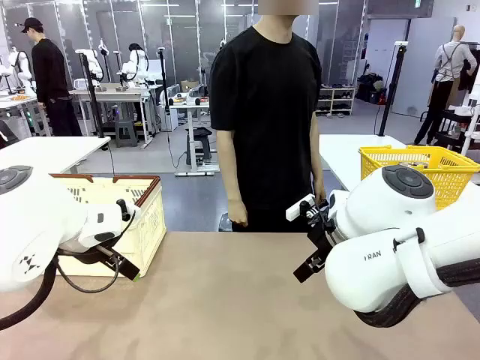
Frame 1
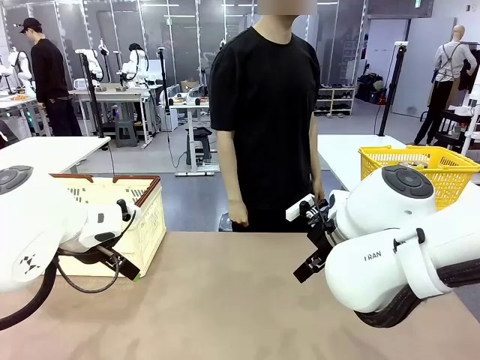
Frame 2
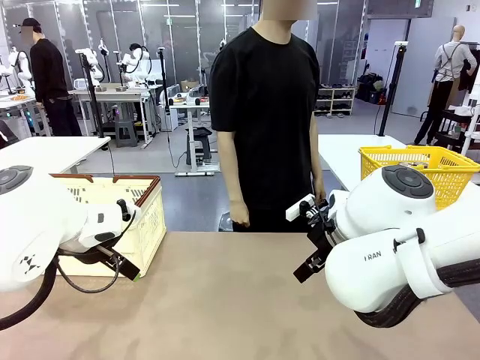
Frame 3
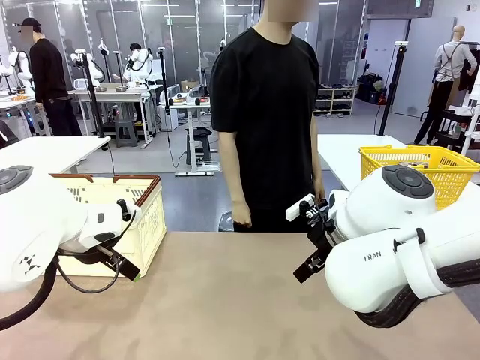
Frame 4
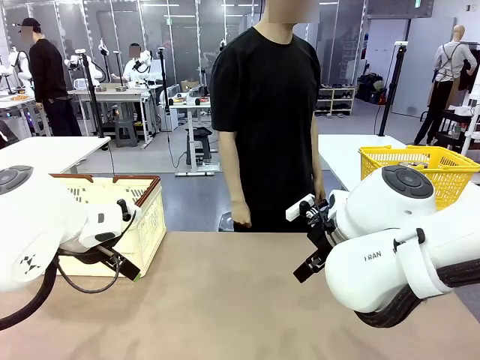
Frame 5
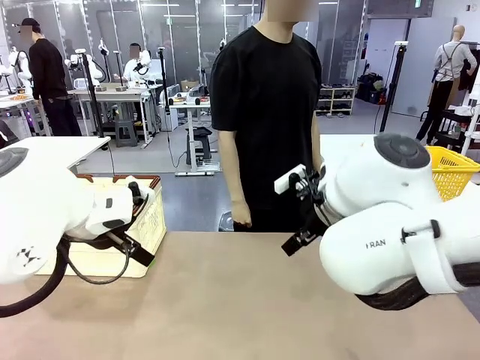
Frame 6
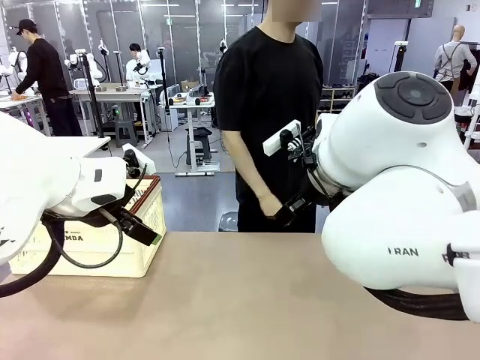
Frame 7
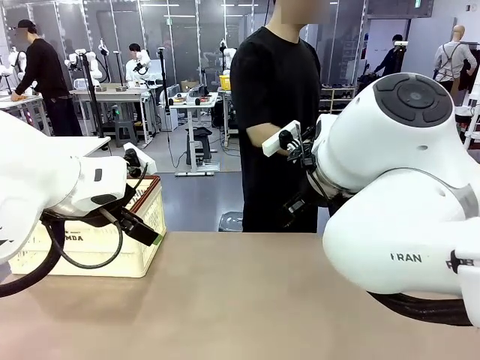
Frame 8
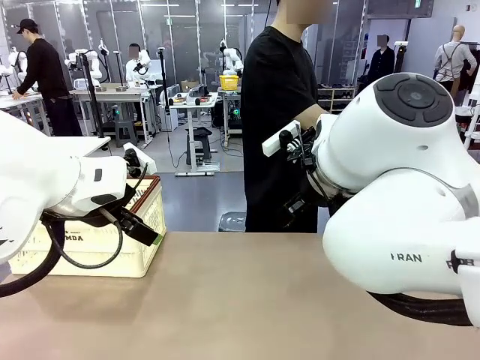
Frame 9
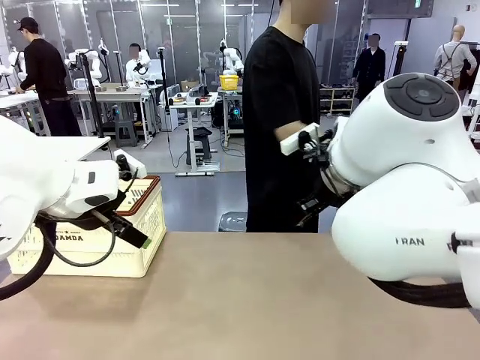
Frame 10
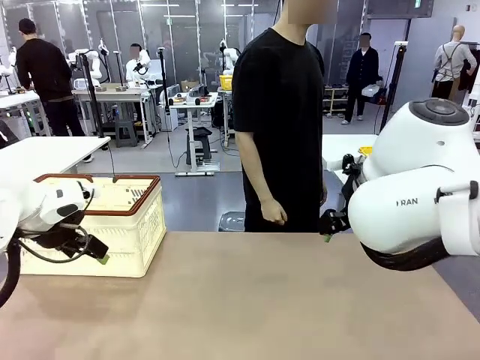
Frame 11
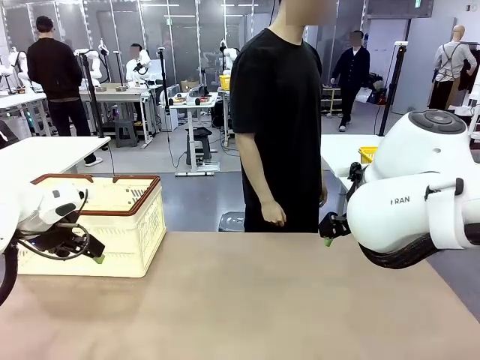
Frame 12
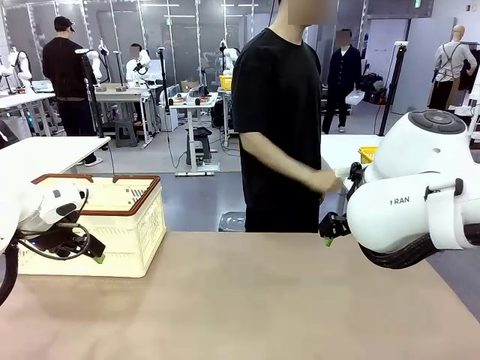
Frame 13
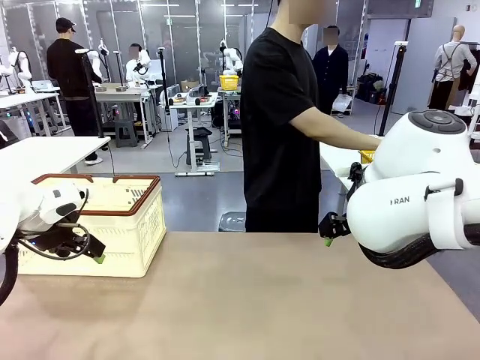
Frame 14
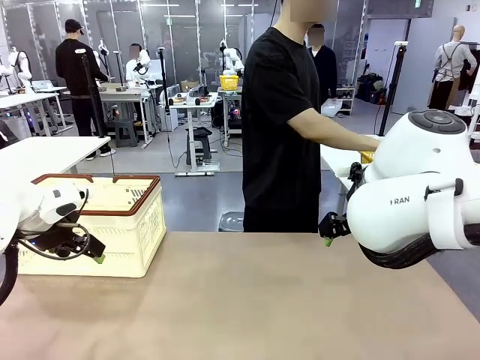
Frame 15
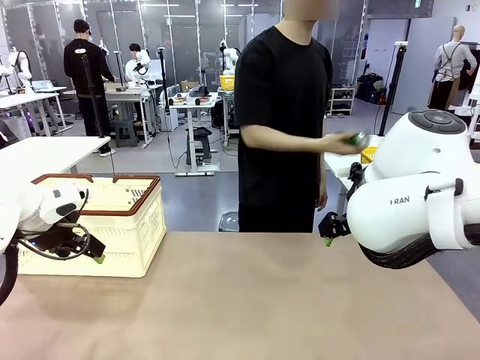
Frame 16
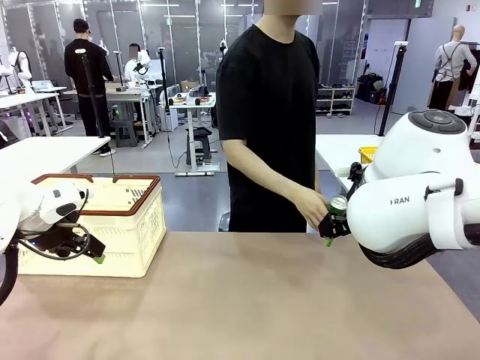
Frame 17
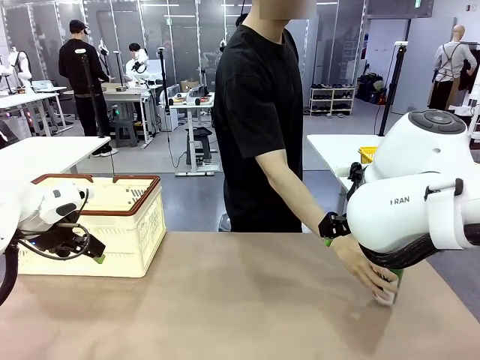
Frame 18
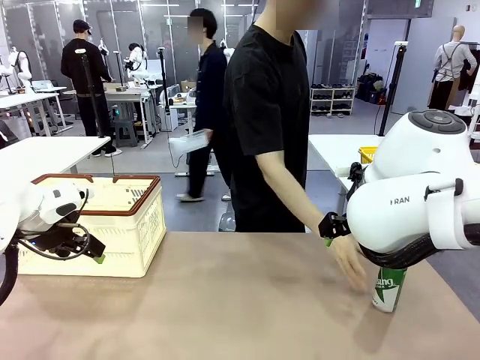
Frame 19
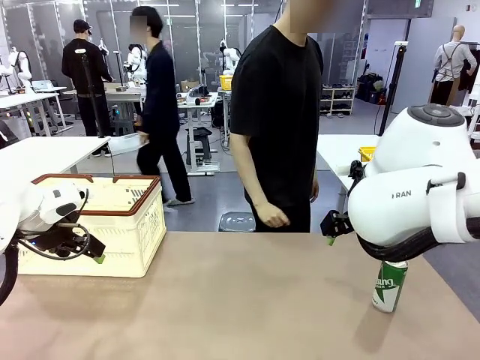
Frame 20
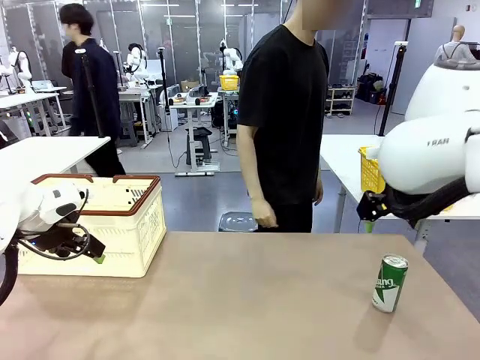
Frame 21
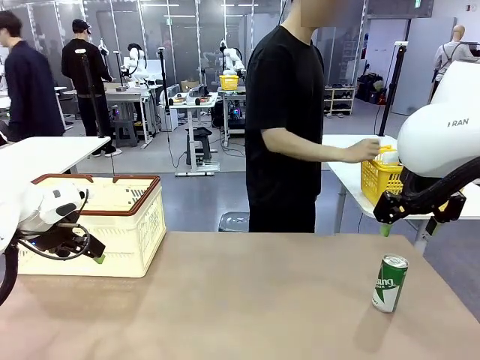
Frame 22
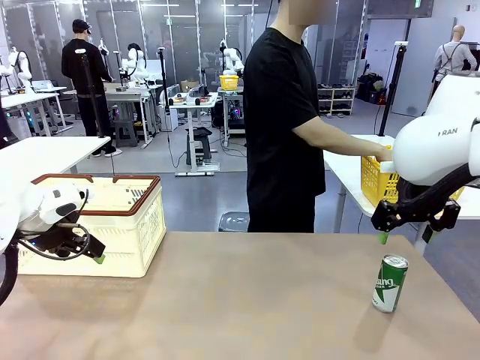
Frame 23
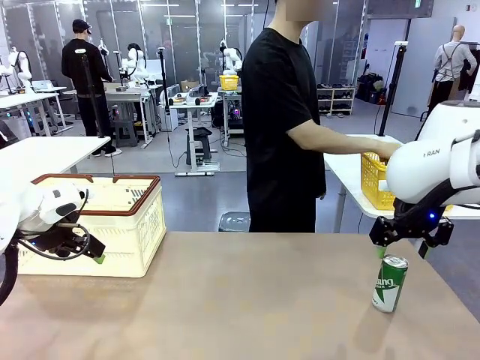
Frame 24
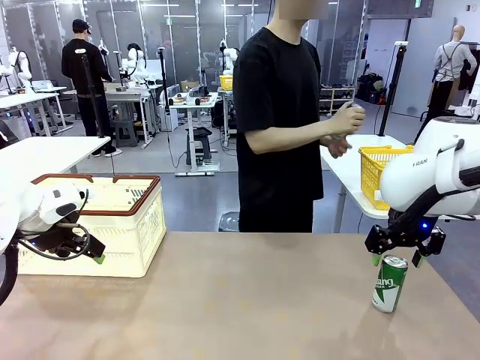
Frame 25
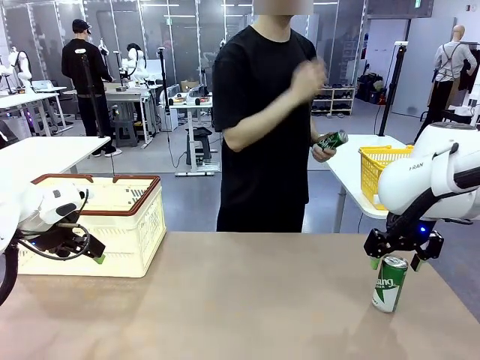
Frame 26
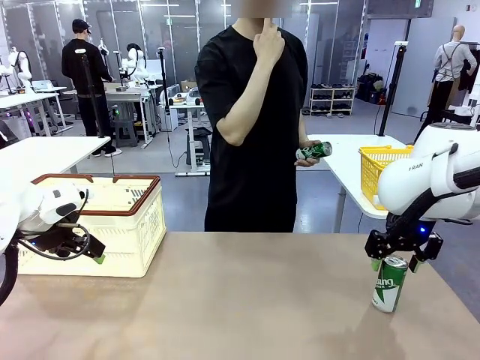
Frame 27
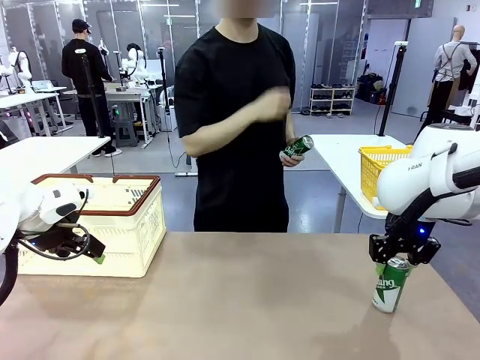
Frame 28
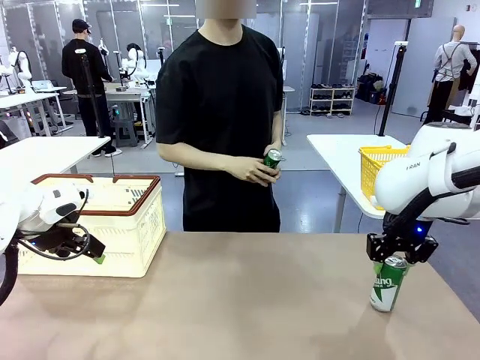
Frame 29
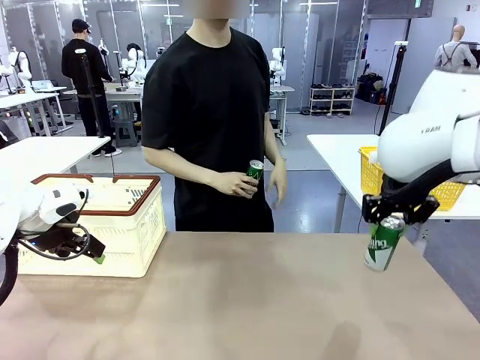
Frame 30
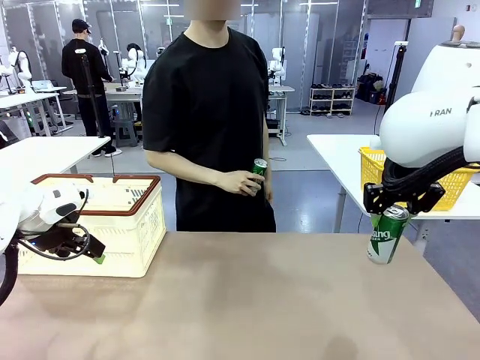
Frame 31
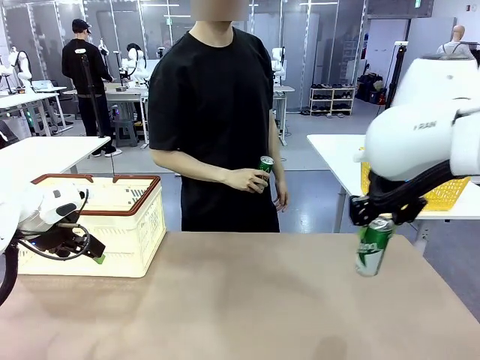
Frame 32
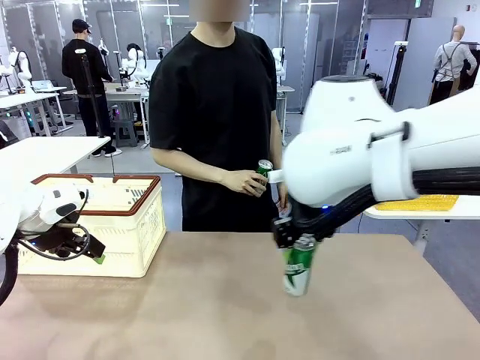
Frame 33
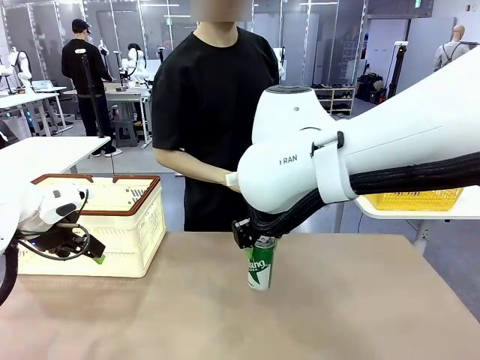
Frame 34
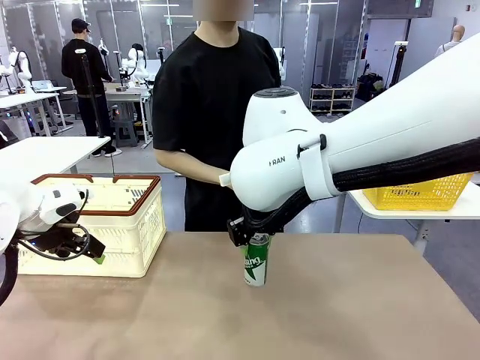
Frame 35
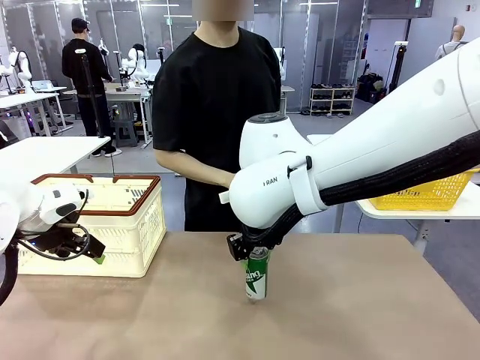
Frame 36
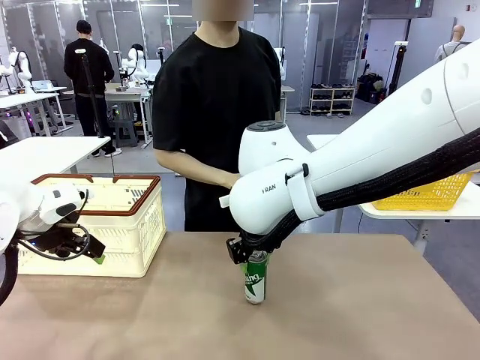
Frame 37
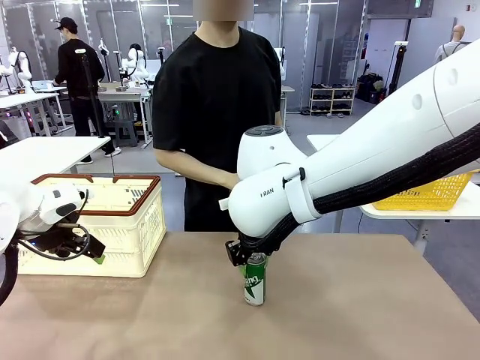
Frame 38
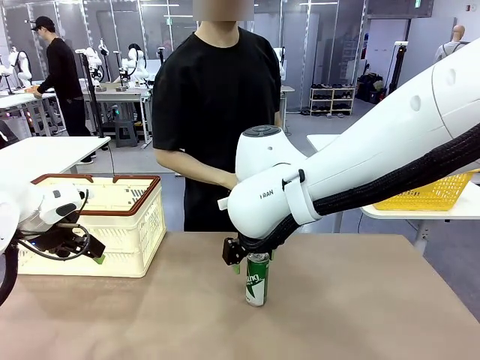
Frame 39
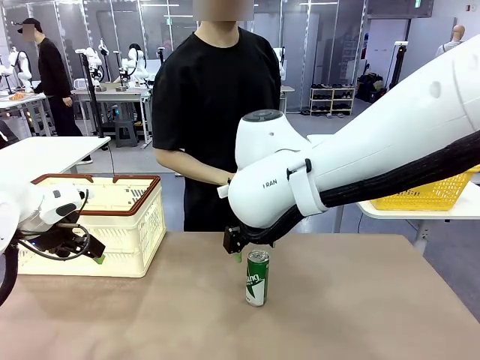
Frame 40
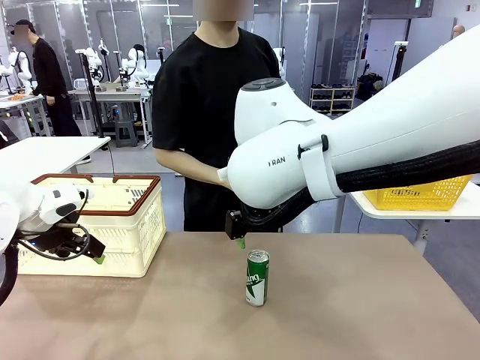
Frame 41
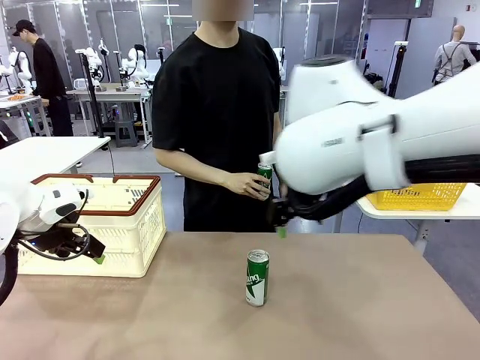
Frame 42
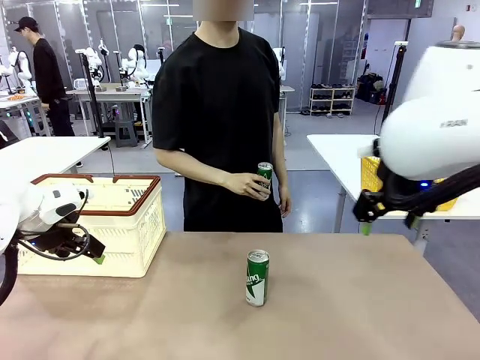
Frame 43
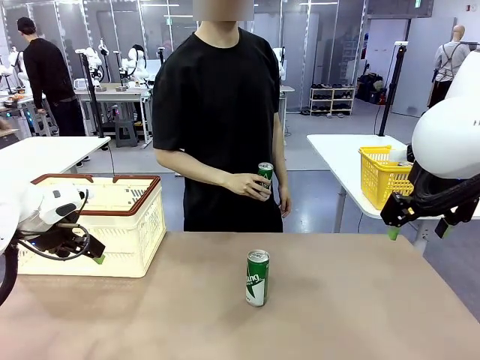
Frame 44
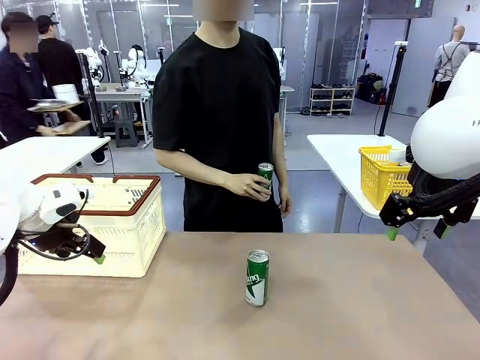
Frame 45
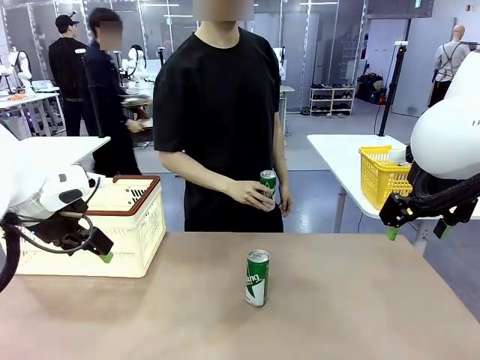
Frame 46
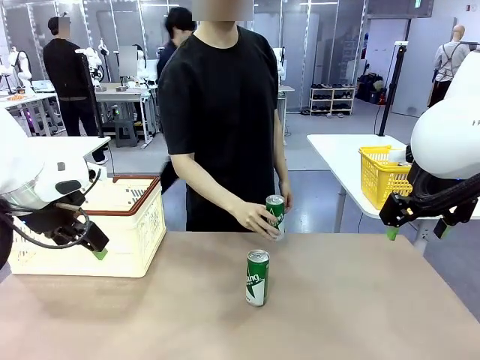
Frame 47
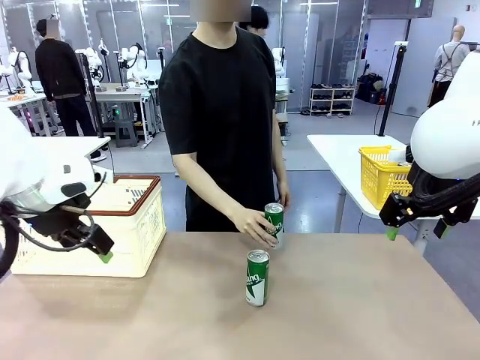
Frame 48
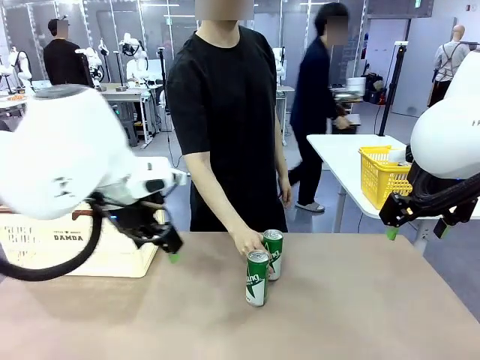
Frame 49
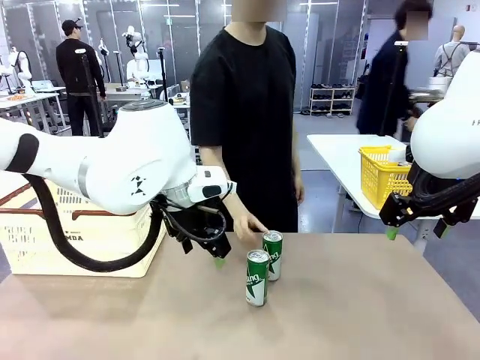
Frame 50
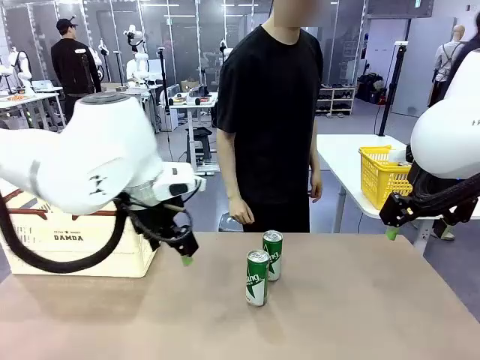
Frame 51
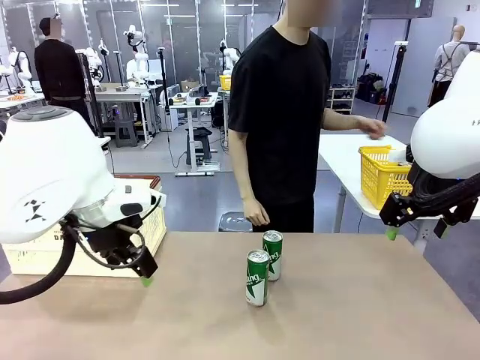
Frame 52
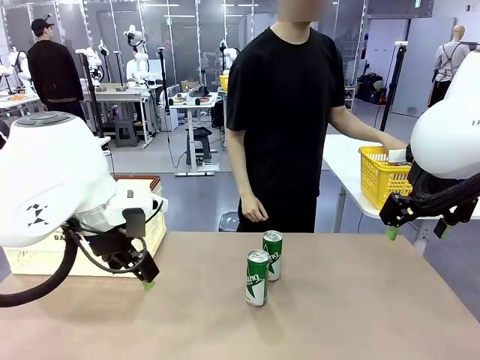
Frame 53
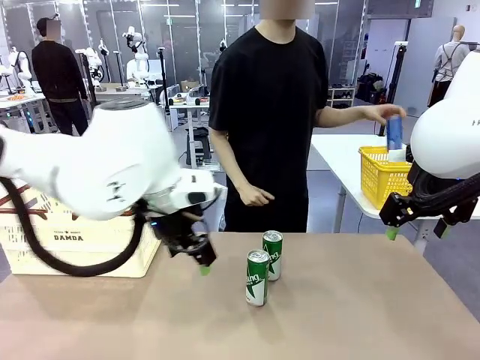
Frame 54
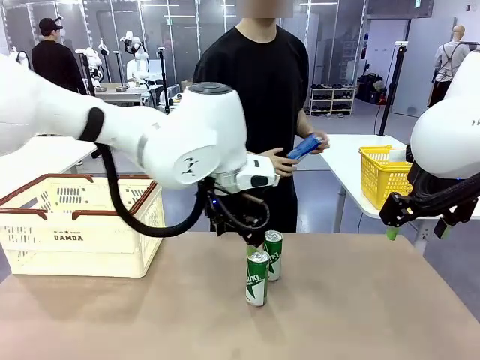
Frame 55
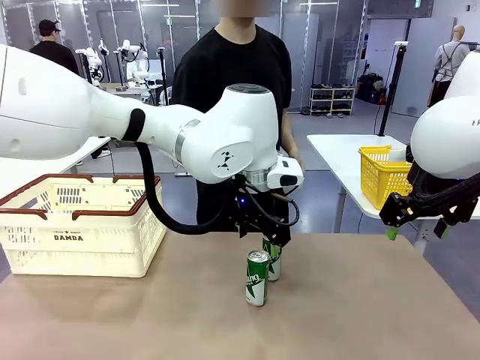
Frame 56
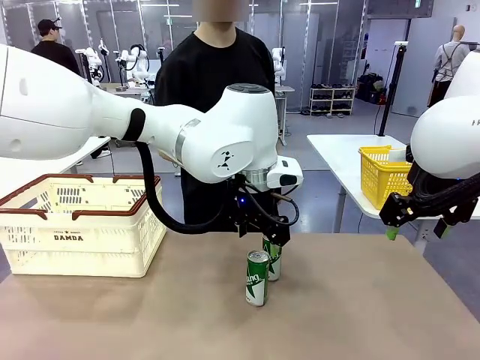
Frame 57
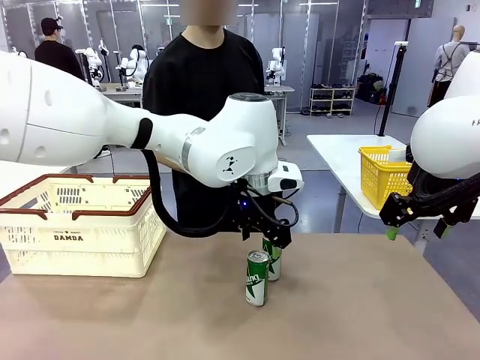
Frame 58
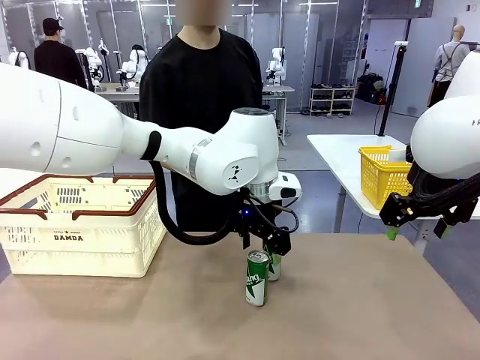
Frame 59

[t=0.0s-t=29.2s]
Task: Place the drinks into the Shopping basket.
Robot: Pick up one drink and place it into the Shopping basket.
